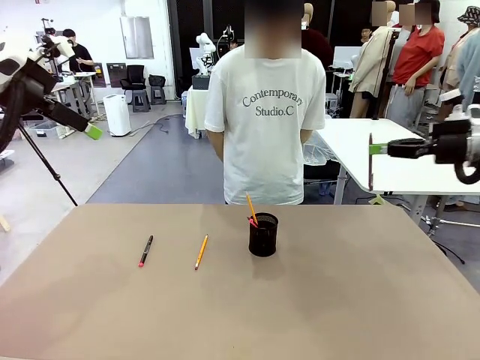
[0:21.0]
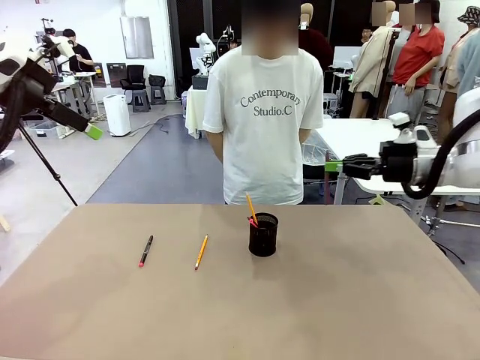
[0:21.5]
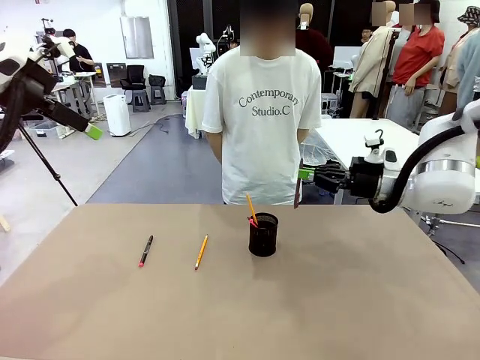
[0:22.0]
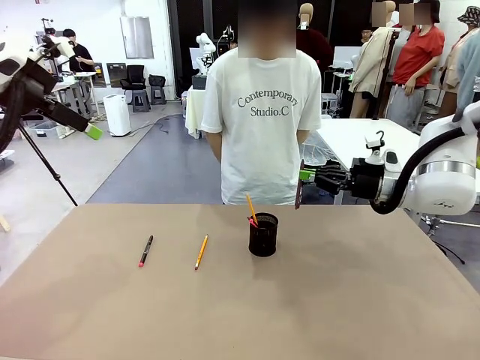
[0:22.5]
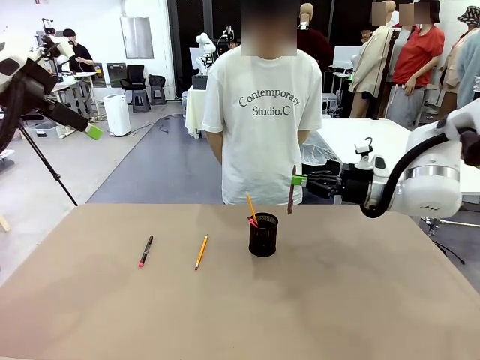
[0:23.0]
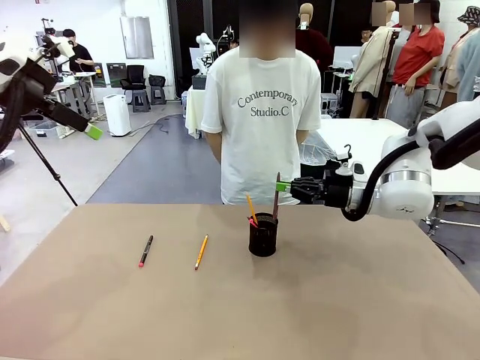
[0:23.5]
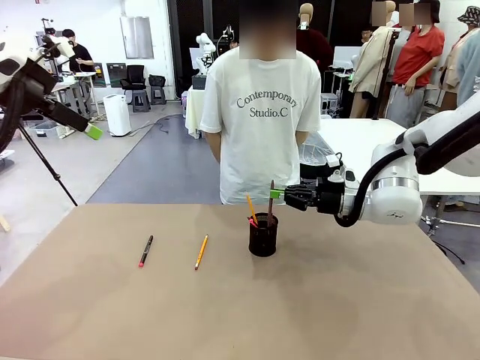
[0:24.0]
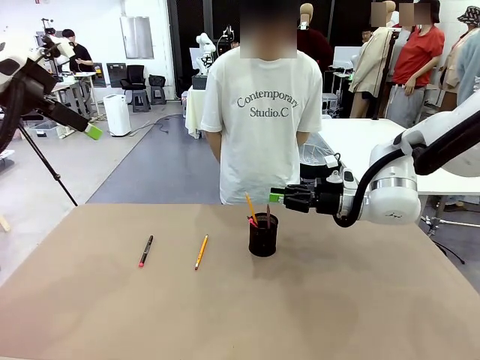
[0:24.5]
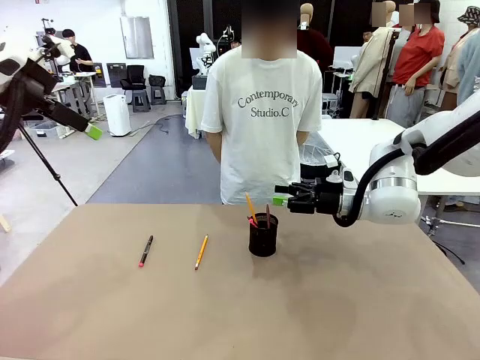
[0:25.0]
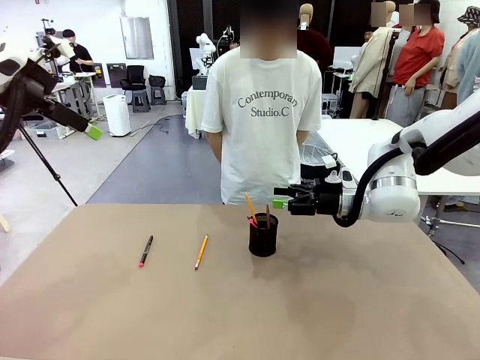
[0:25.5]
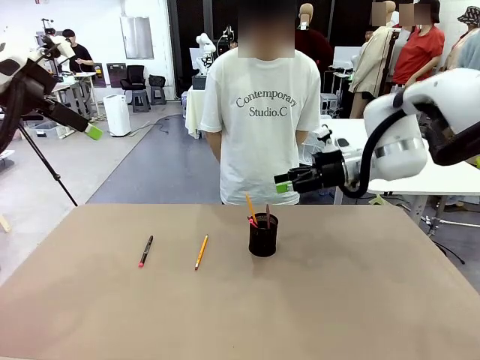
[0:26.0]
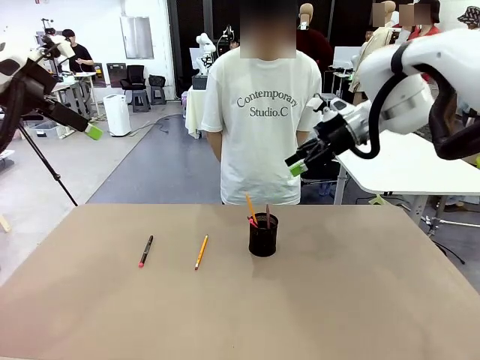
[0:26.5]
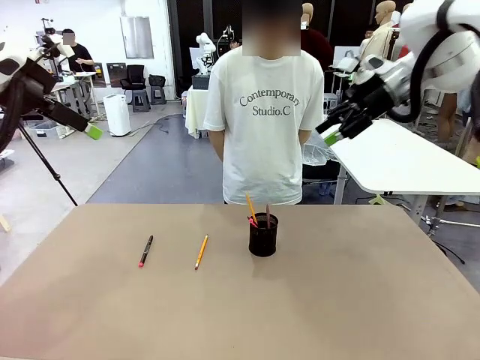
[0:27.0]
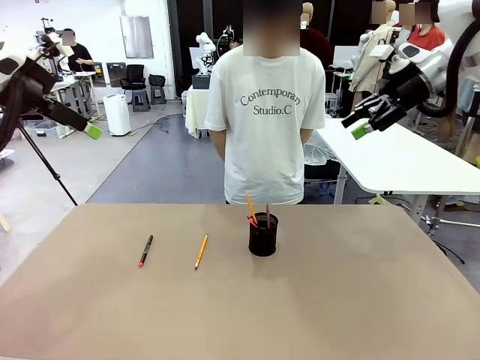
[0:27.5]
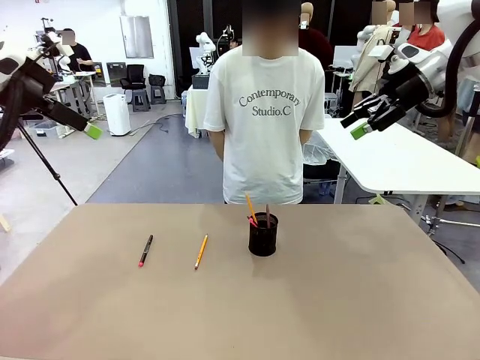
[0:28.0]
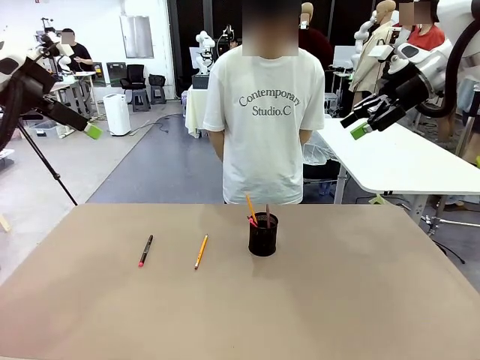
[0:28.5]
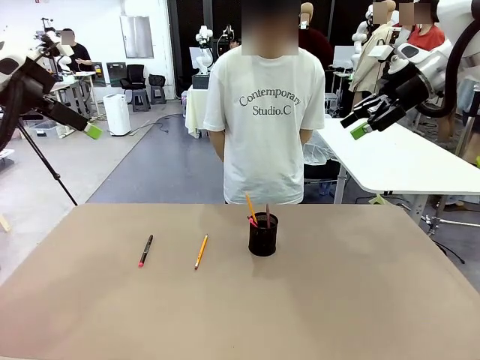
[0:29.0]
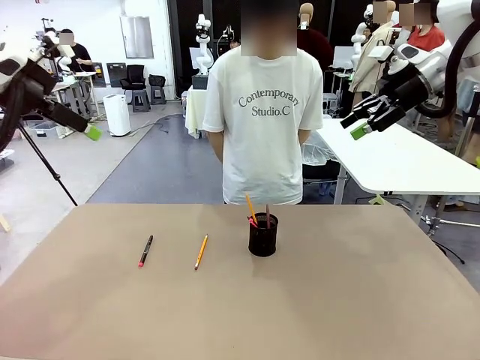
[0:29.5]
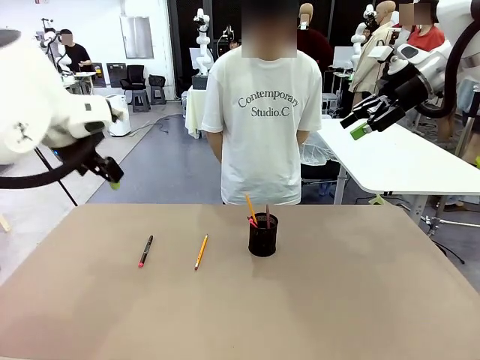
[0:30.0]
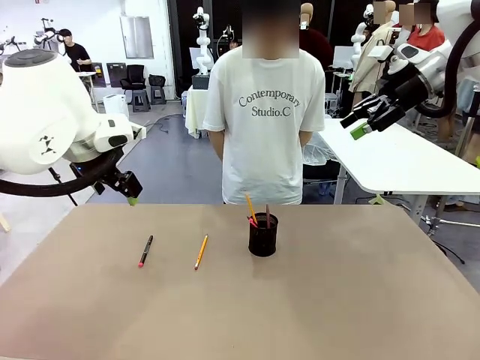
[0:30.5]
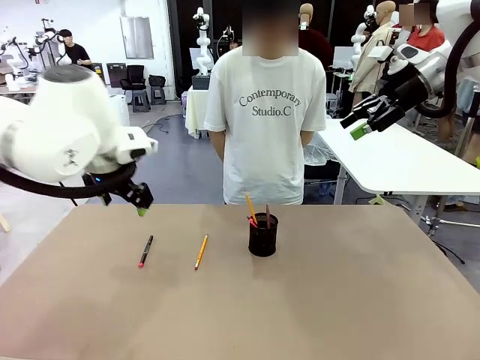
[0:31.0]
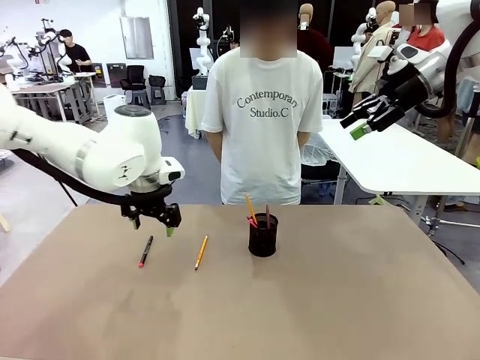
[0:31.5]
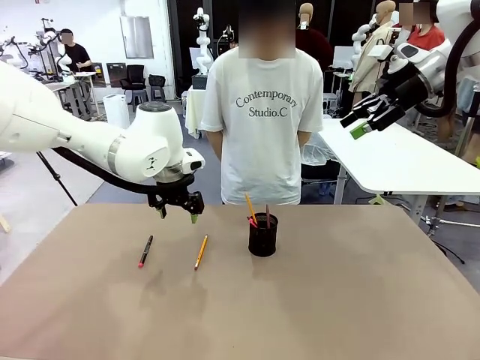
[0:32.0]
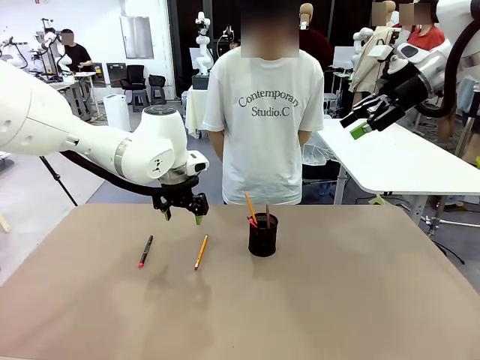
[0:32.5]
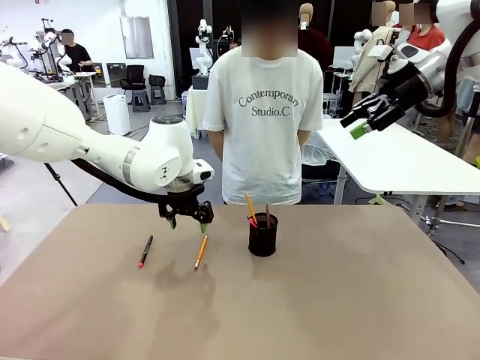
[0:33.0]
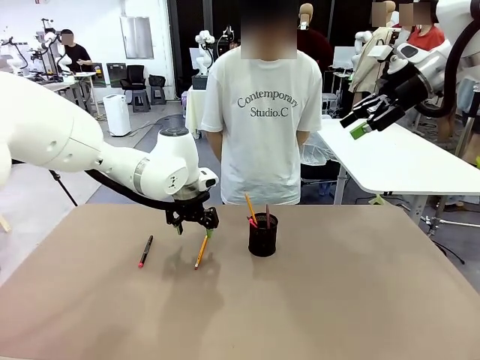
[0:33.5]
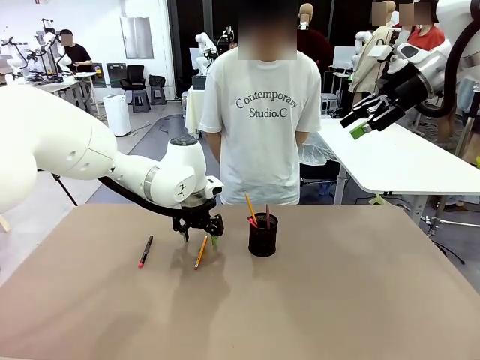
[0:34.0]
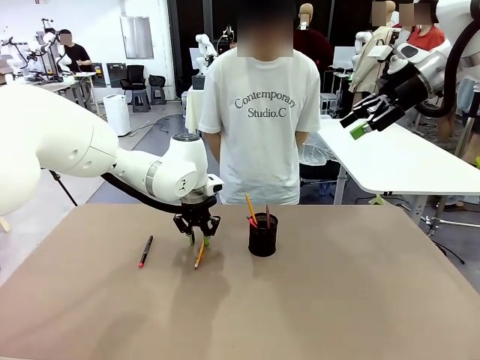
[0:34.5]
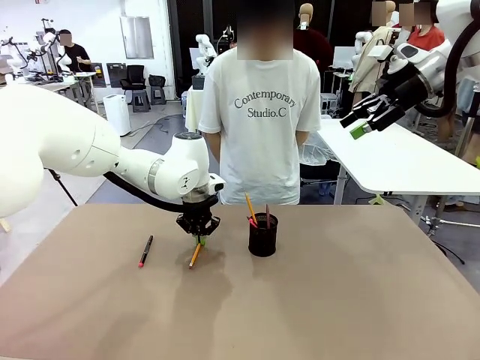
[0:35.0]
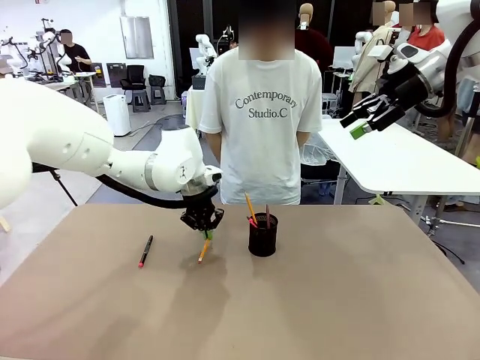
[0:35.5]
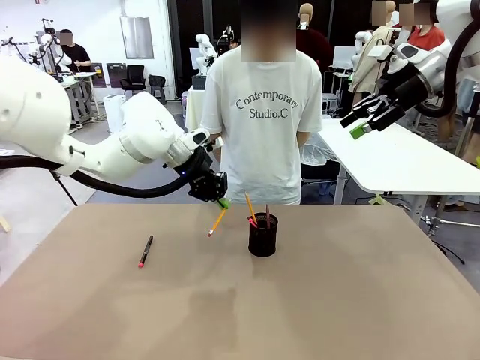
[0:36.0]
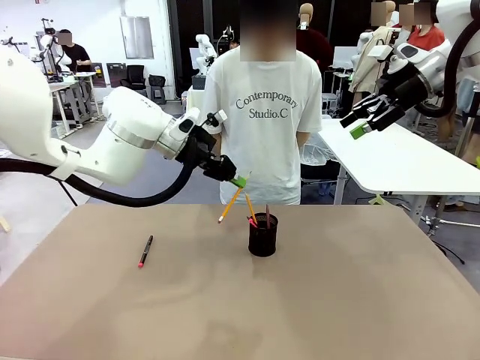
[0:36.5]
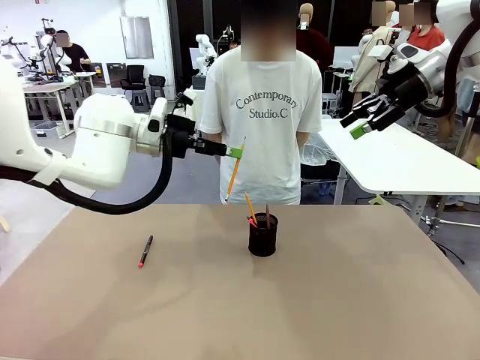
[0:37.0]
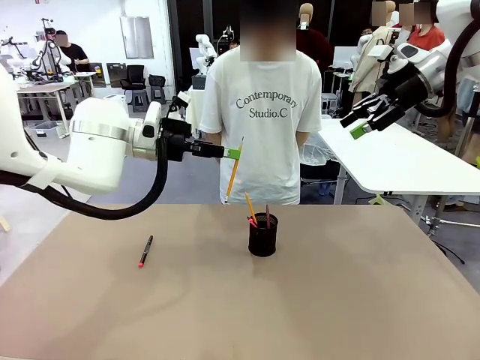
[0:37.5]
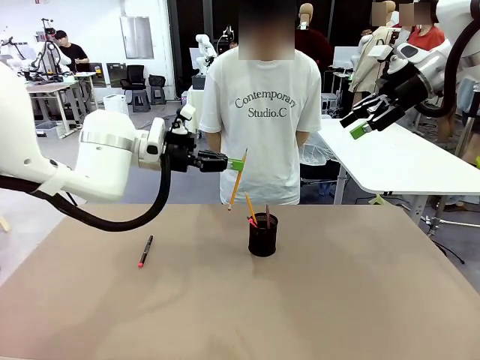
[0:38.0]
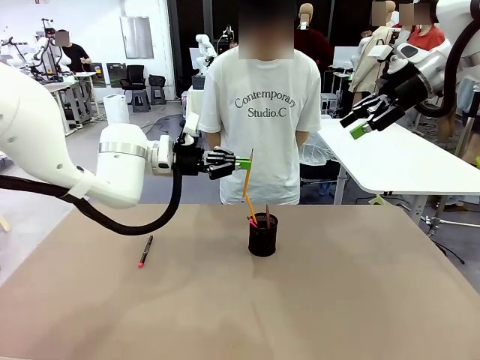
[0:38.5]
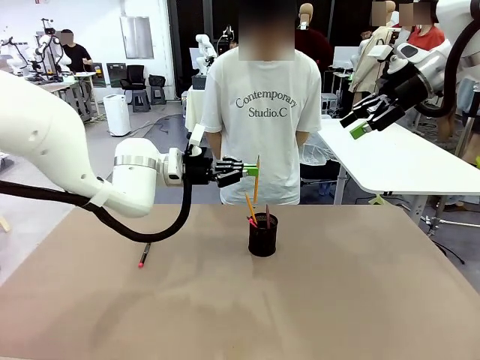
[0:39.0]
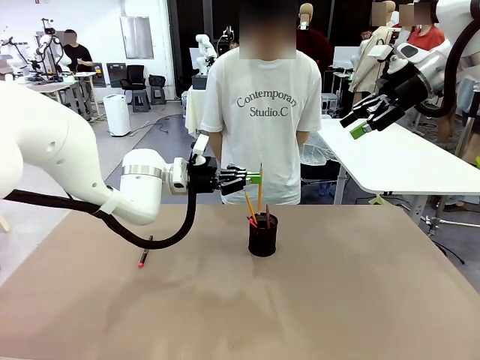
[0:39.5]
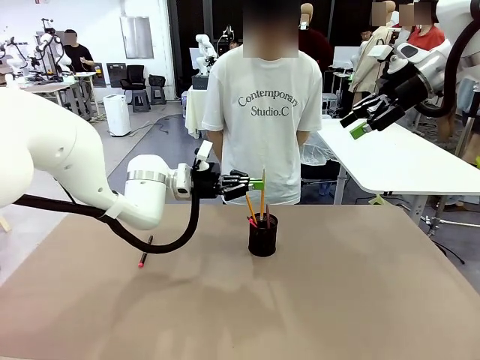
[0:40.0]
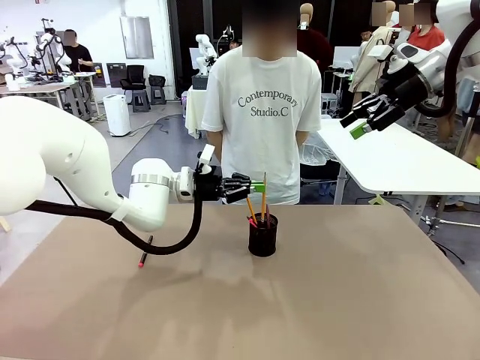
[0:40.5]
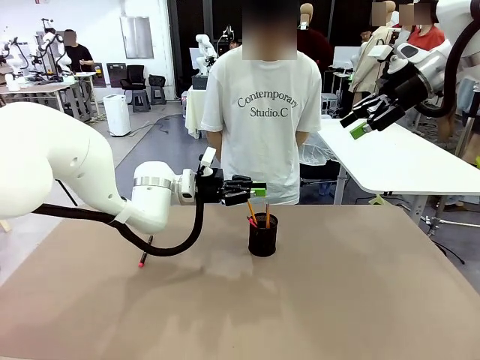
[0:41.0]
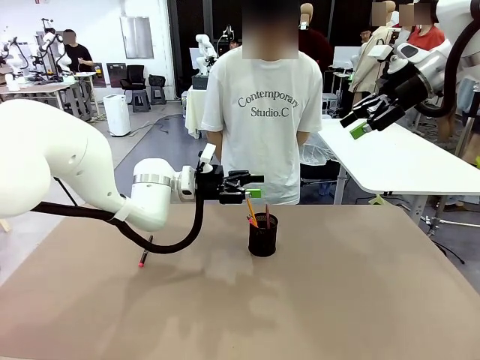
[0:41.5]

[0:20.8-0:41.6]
Task: Place the pens into the pen holder.
Robot: Pick up a writing instrument from the table and place it into the Pen holder.
